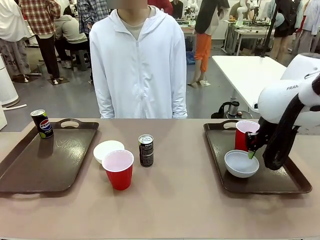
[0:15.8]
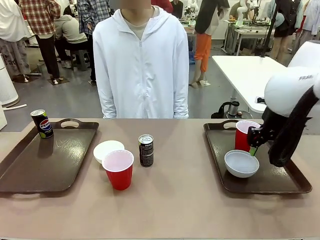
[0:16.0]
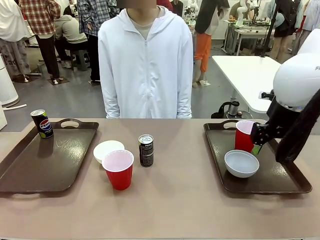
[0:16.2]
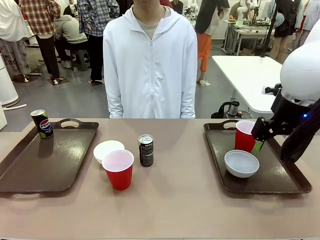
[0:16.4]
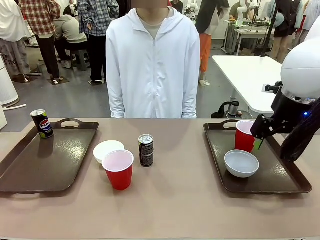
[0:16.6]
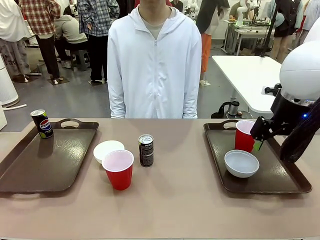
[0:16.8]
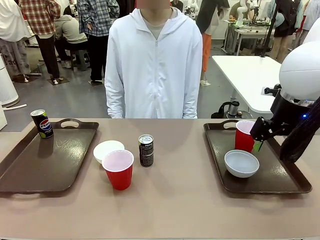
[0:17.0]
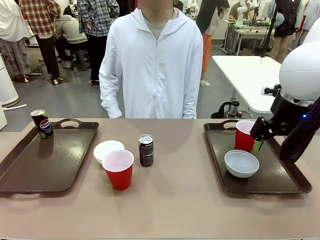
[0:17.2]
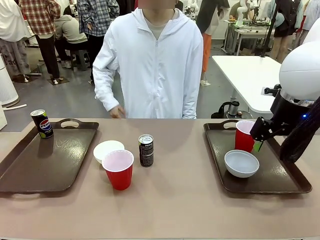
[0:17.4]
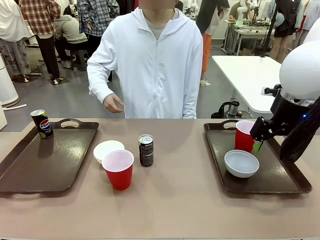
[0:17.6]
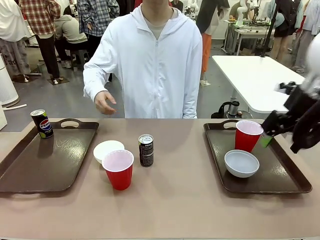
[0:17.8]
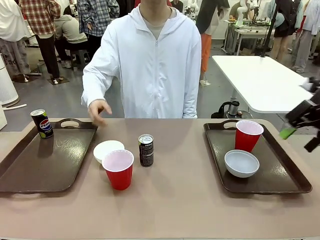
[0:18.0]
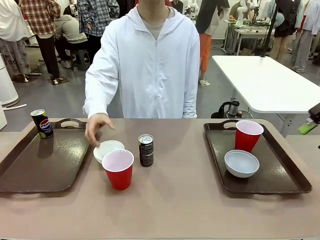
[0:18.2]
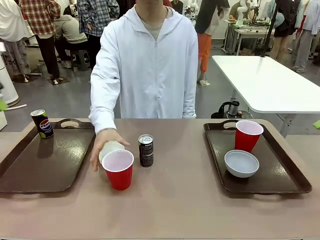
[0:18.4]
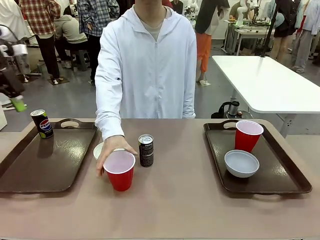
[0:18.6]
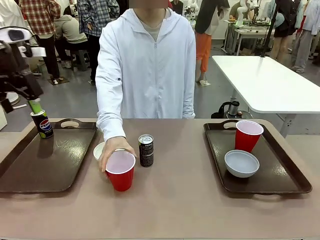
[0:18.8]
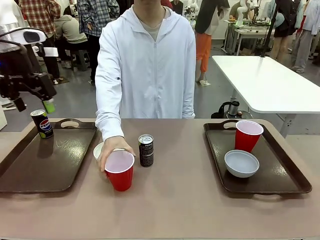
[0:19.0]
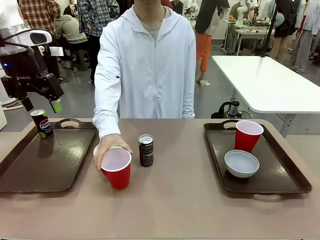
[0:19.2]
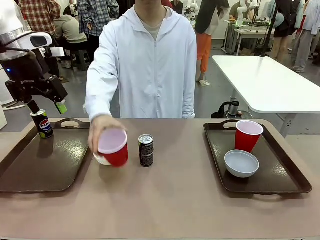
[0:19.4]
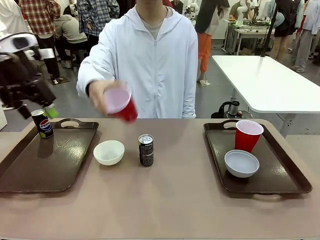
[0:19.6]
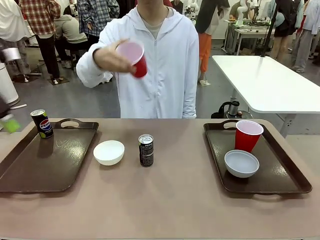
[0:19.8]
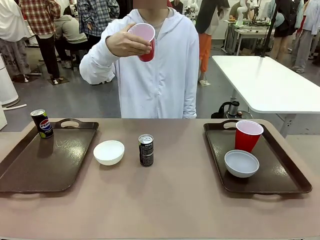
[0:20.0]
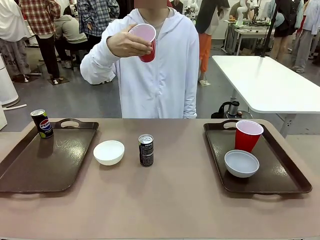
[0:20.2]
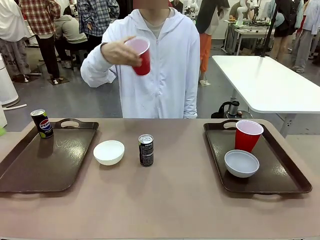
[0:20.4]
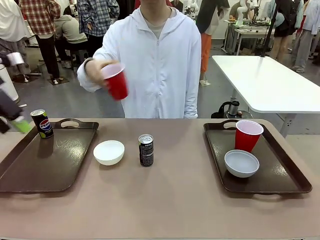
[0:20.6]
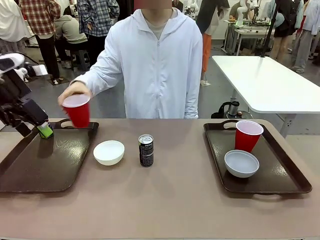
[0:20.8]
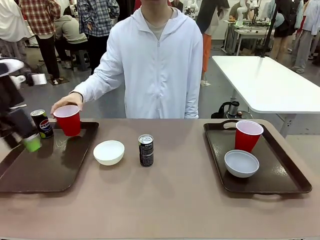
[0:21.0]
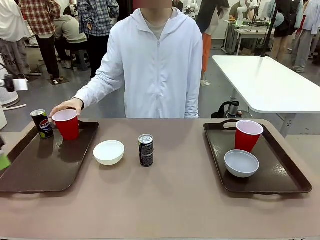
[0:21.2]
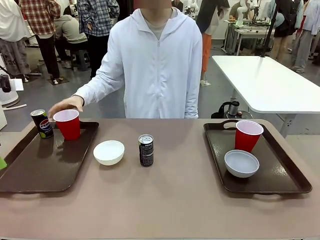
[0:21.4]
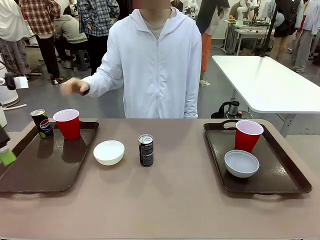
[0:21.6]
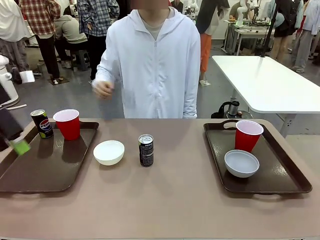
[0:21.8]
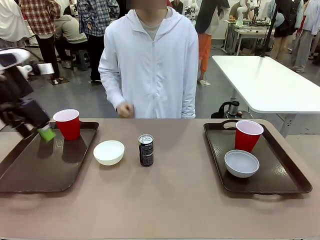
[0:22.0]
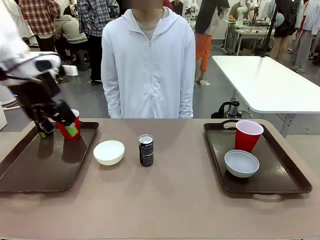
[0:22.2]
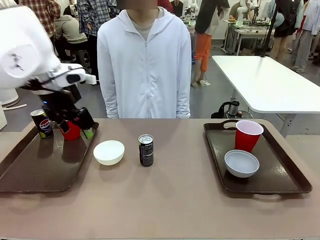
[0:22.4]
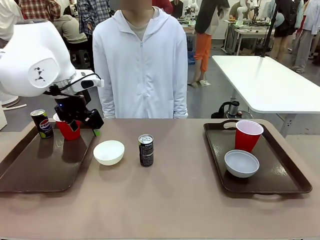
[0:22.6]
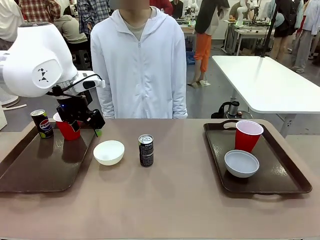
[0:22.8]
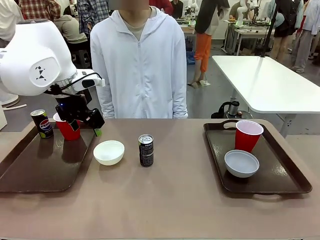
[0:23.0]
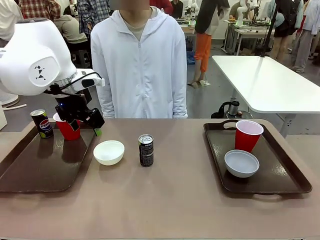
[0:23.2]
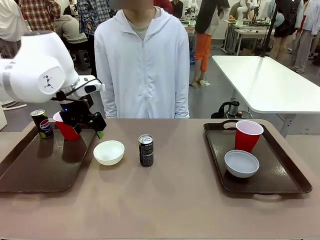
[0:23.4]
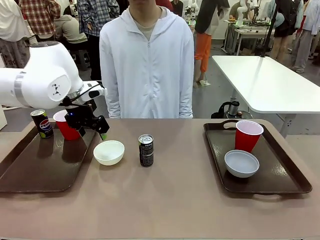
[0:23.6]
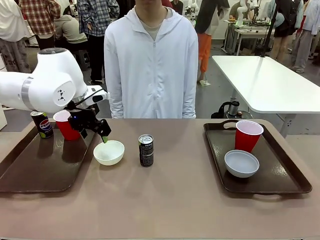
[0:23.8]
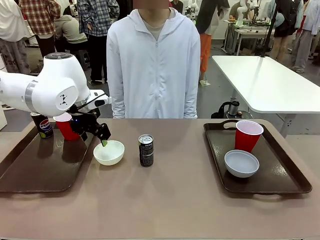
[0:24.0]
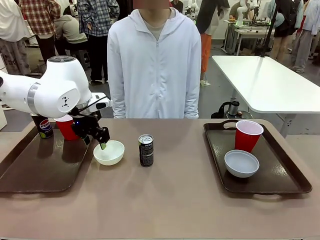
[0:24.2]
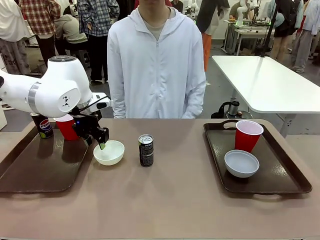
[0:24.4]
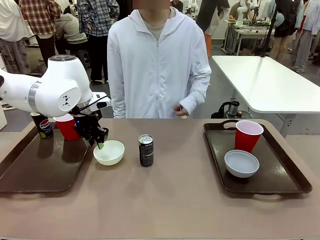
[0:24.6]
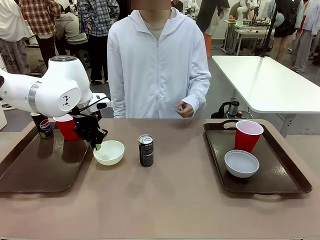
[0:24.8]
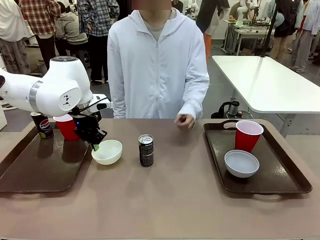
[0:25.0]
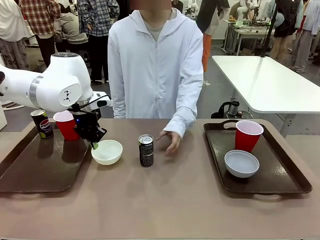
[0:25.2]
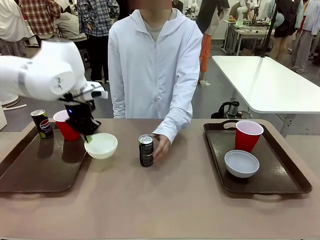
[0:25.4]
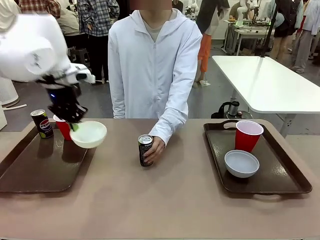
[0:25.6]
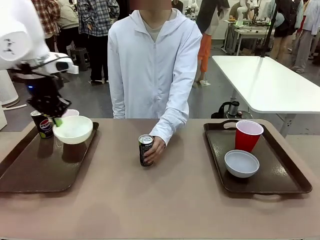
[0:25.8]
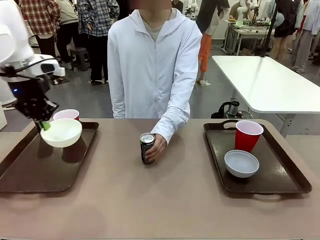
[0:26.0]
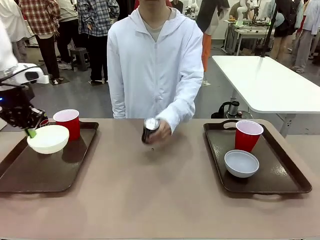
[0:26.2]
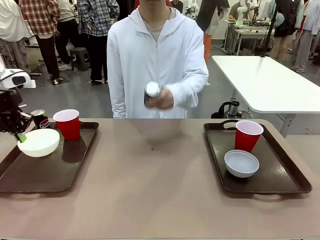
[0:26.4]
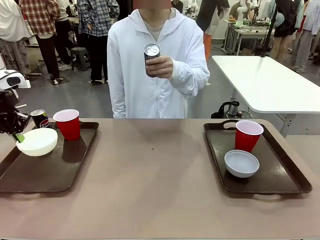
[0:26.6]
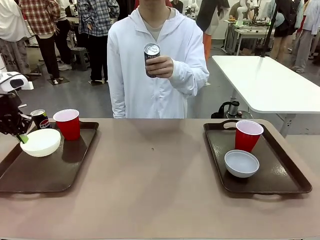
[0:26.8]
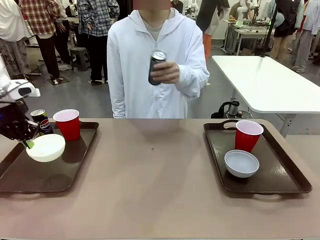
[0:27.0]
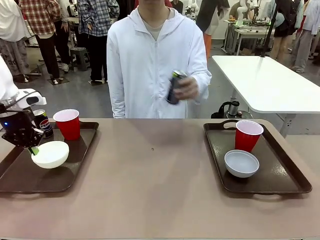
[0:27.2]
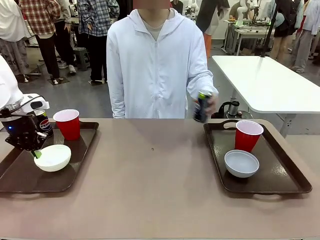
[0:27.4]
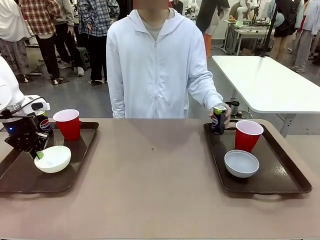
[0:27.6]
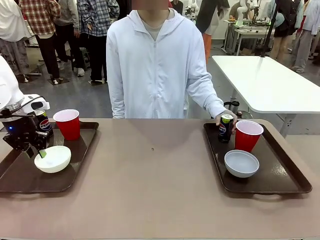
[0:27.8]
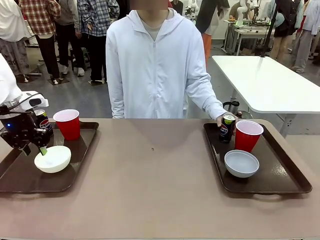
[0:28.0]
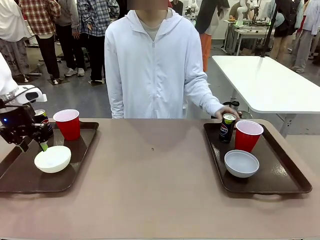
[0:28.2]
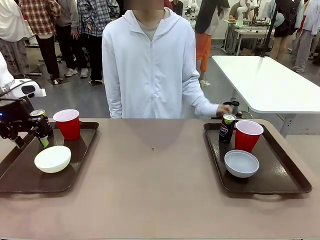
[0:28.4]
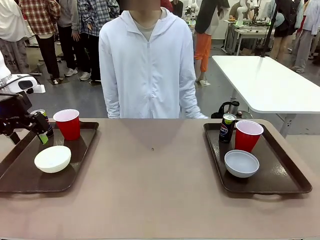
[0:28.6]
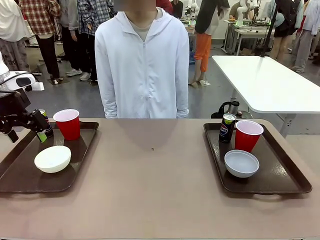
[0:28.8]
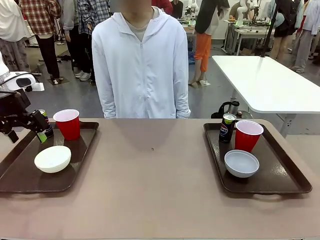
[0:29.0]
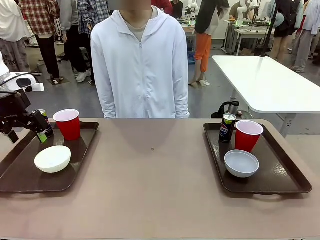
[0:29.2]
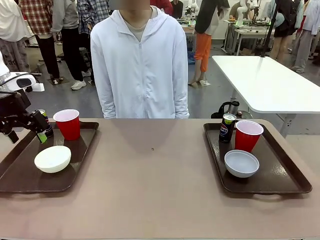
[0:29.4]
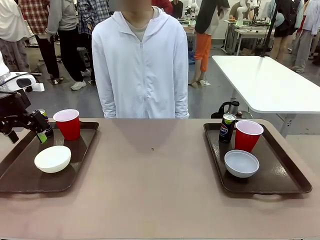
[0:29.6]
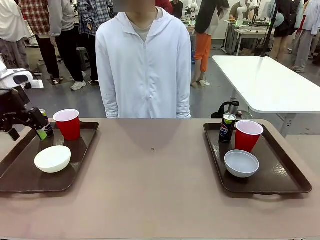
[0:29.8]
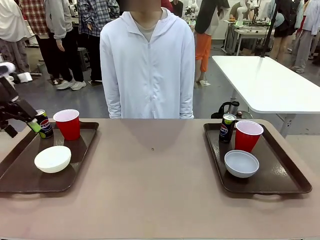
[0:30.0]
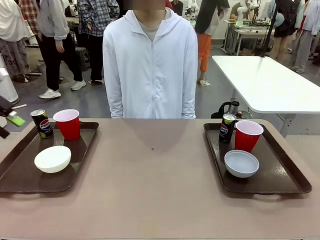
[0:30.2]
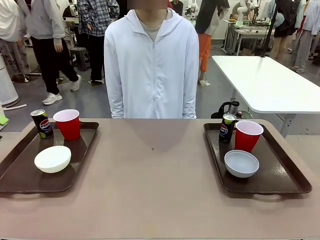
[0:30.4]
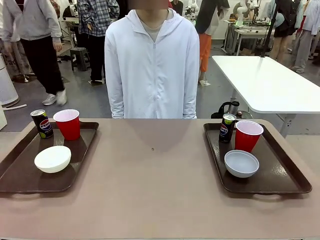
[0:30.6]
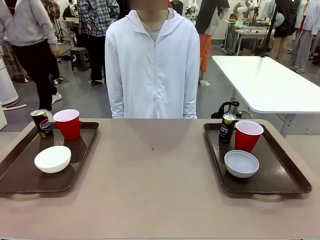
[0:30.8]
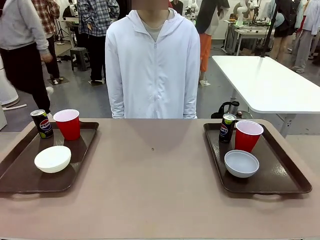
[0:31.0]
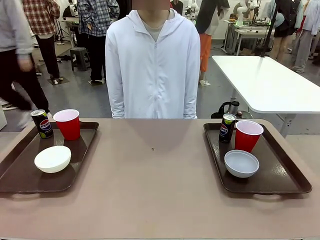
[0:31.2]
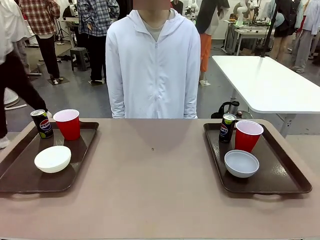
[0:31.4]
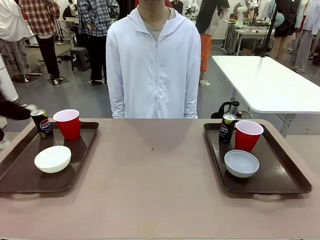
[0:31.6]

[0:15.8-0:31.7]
Task: Prepare tableware on both trays.
Robot: Pick up a Picnic Bowl from the table and place it on a Handle tray.
Person: Pick up a can or cup and place it on the tray without a can or cup.
